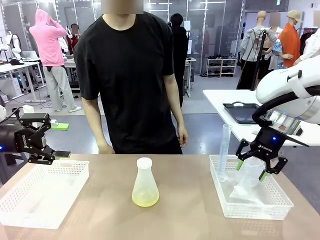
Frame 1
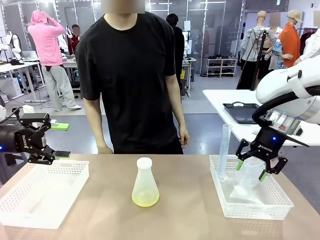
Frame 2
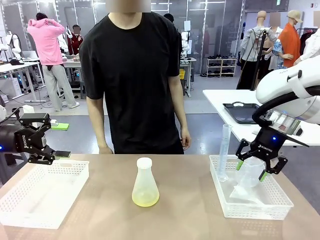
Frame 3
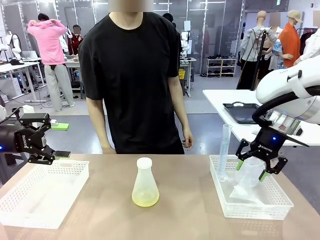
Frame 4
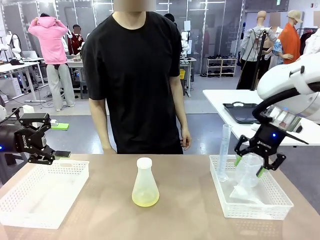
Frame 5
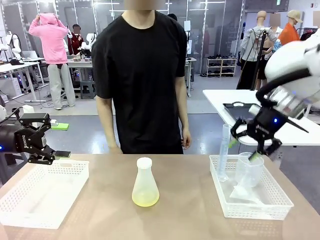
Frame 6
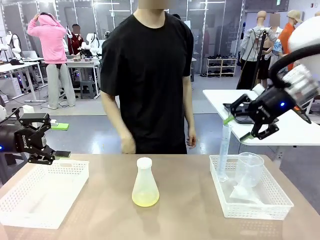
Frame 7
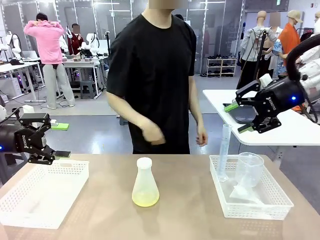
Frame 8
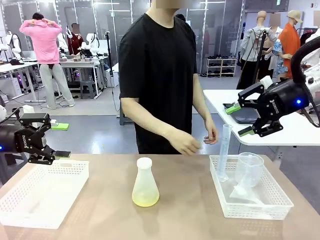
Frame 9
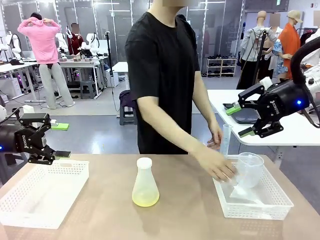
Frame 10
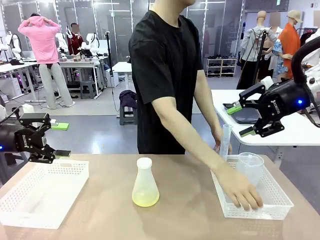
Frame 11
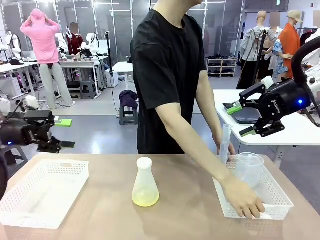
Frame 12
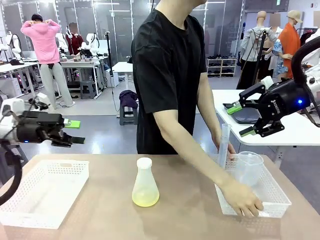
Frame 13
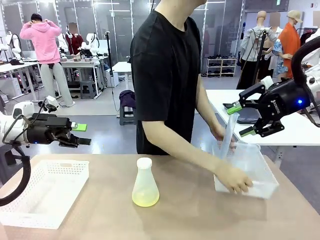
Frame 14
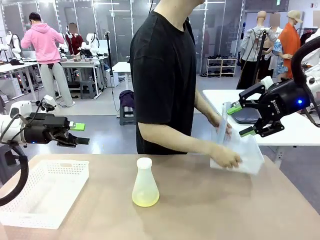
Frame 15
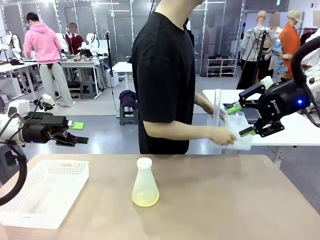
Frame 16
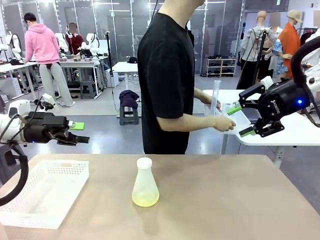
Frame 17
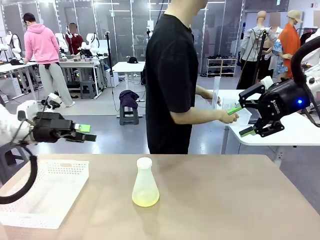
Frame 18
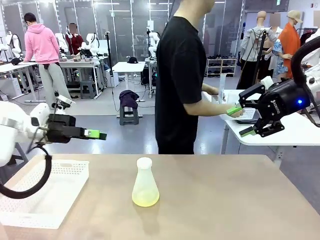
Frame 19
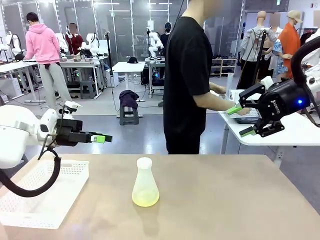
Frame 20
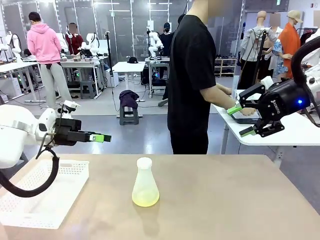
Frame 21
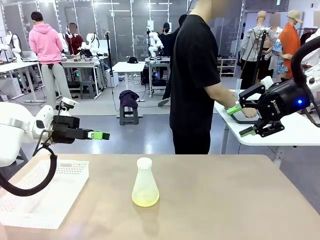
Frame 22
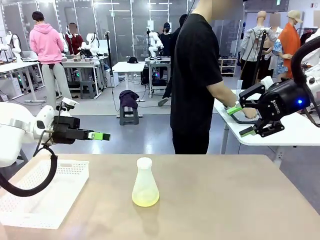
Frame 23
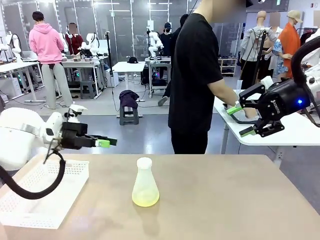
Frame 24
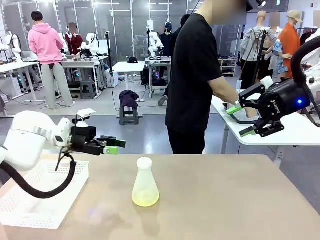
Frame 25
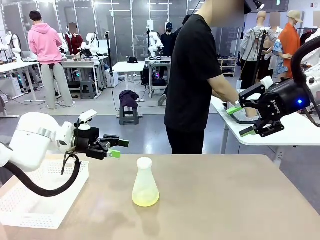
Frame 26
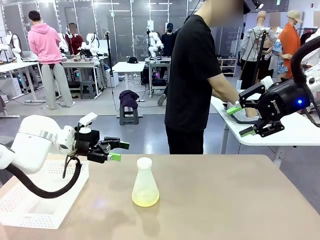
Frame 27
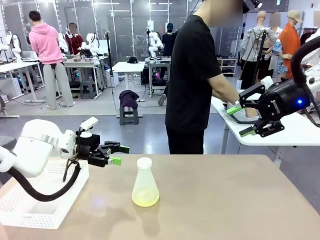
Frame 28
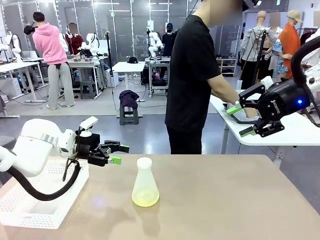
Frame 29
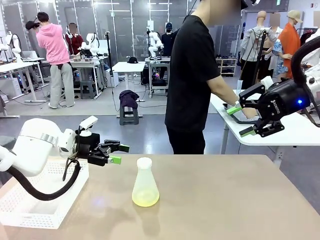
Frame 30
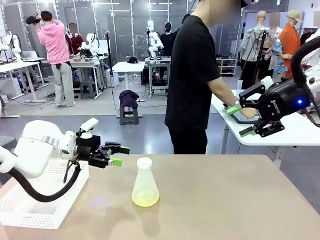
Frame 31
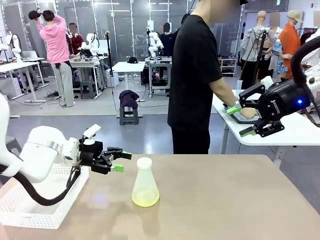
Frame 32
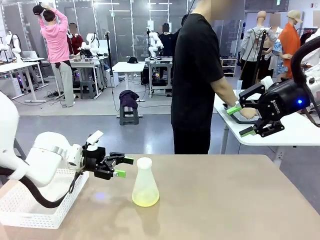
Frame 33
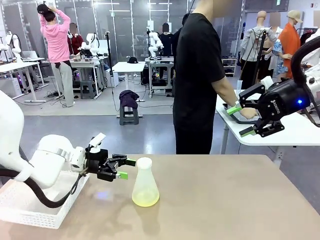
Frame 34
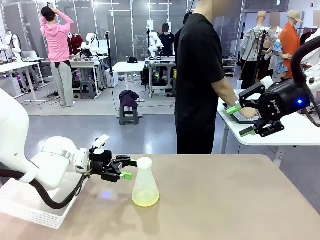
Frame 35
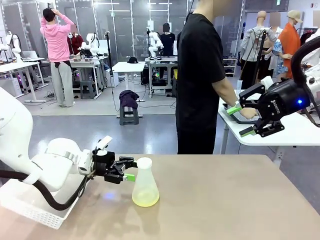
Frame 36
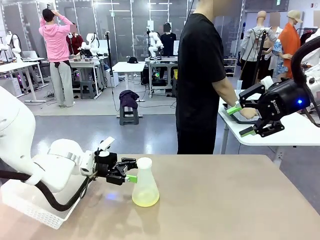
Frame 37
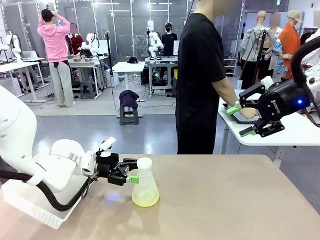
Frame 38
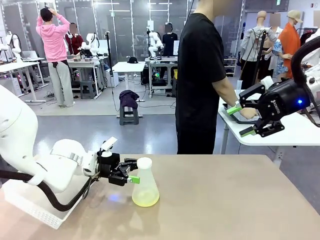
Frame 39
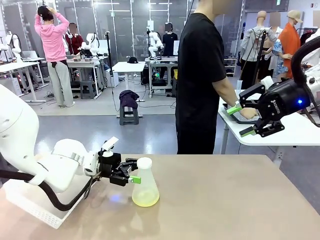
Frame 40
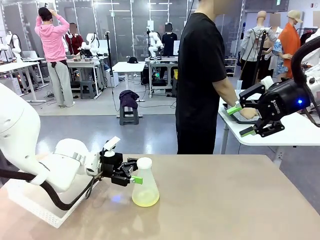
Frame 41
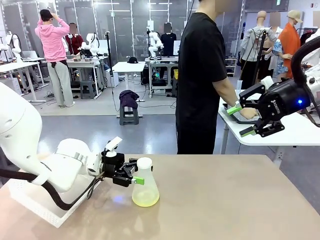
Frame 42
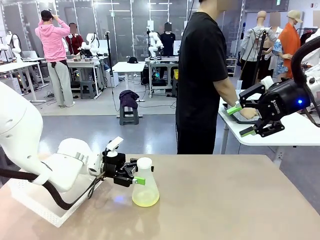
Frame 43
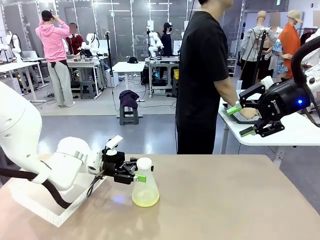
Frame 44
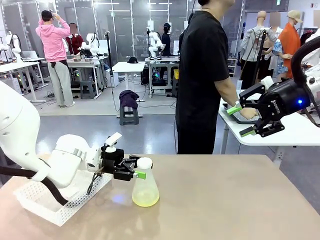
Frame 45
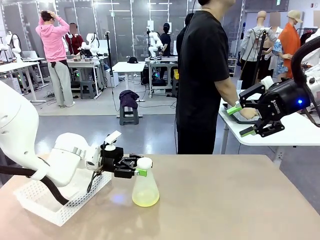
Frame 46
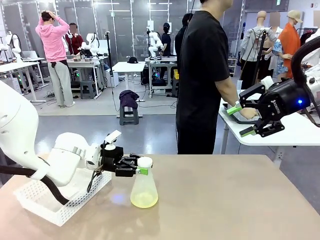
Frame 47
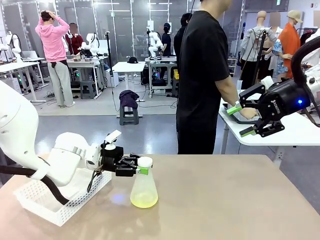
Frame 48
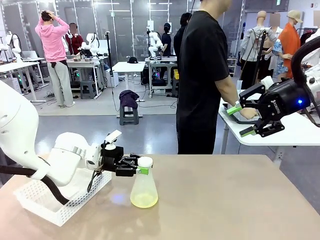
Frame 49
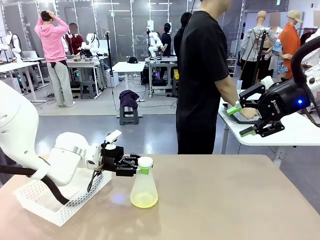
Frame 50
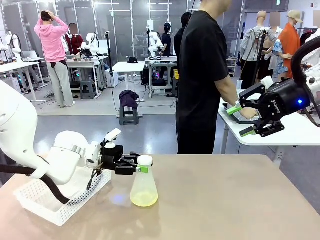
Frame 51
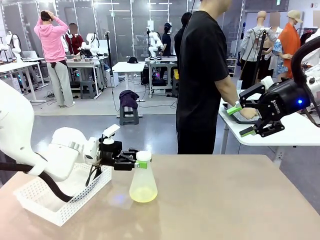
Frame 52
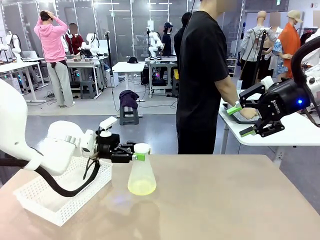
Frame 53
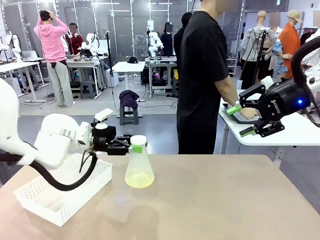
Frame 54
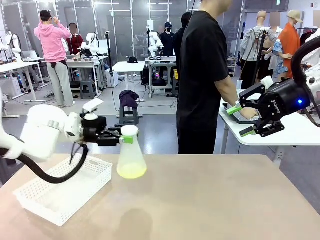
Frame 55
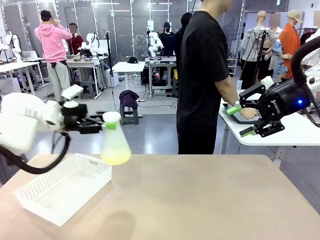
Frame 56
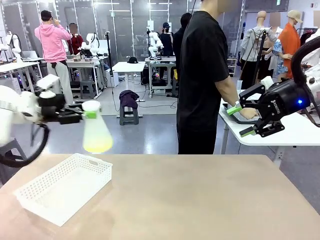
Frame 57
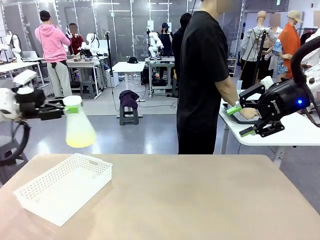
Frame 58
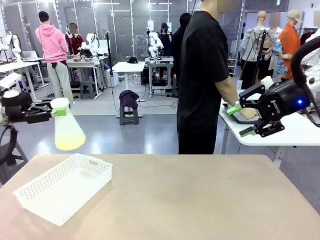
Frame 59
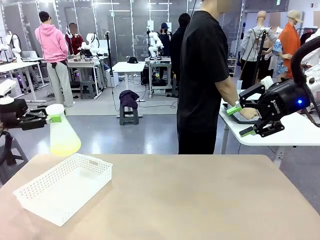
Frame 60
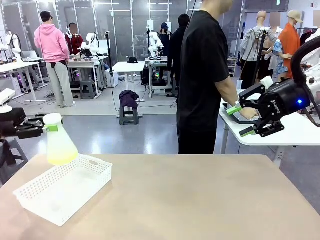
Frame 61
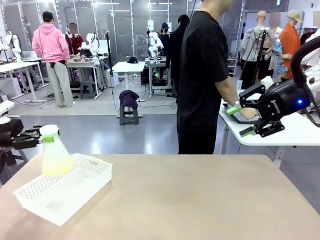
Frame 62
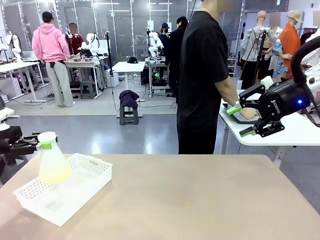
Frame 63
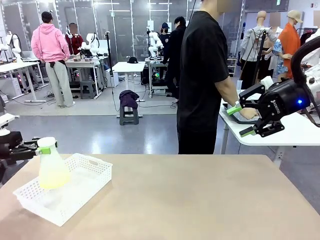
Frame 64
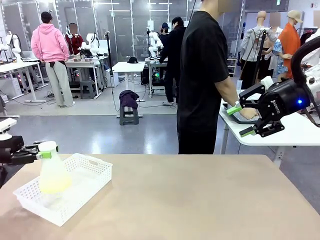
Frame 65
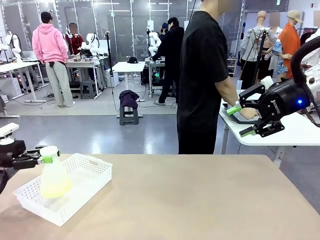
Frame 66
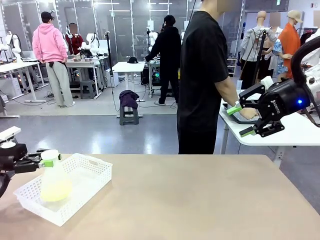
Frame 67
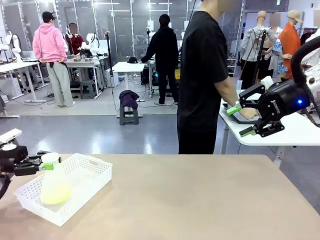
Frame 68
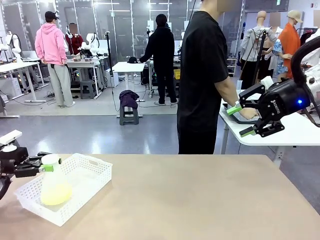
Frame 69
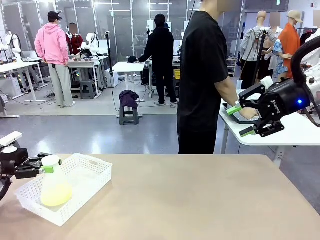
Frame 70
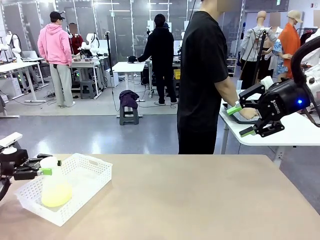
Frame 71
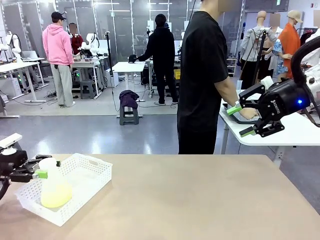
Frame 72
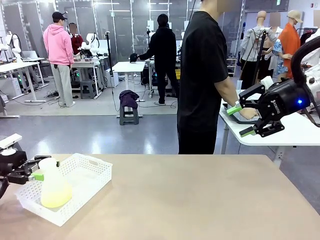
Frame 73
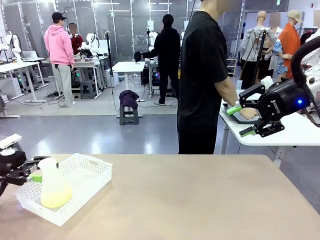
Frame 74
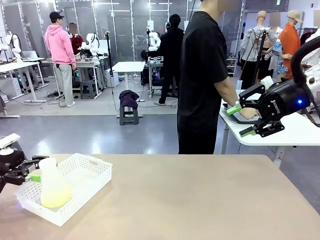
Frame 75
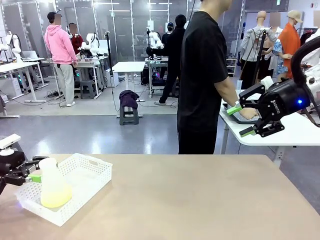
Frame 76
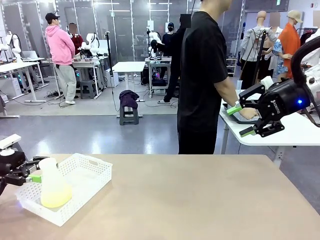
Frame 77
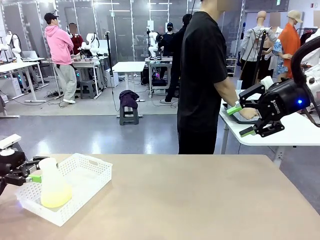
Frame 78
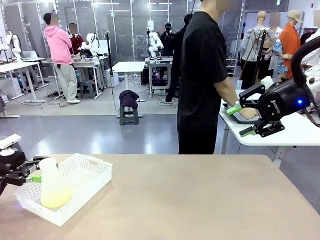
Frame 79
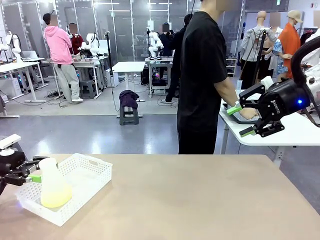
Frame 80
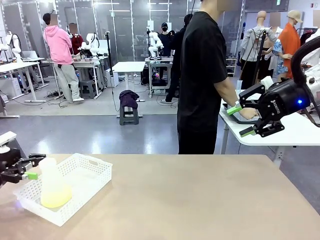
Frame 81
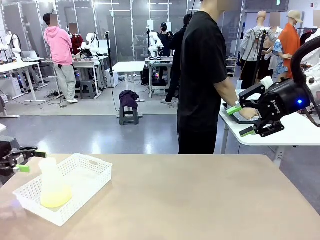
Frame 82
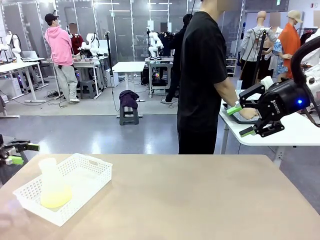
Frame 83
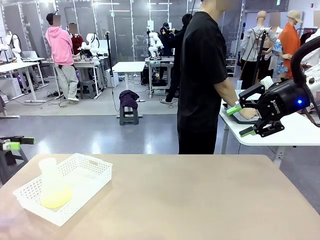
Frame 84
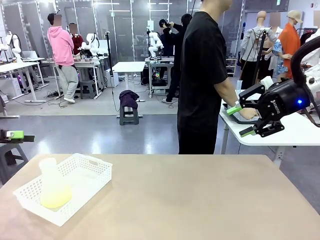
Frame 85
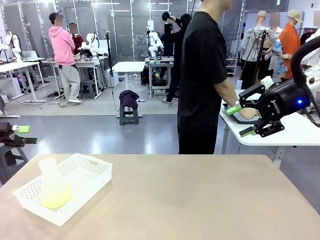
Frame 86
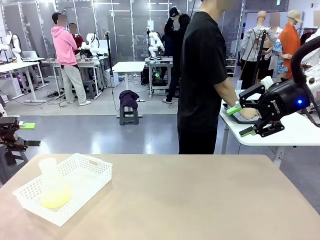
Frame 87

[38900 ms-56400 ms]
Task: Prepare the solutions needed for the experiment.
Robot: When the human places the Big flask in the center of the table, pick up the Big flask and place it in the left Organizing basket.
Person: Pick up the organizing basket on the left side of the robot table and place it on the left side of the human table.
